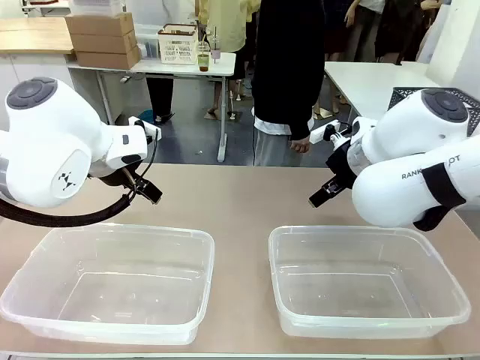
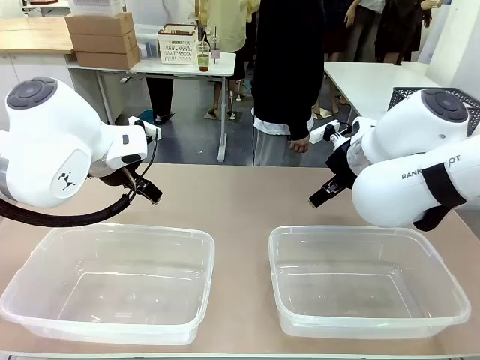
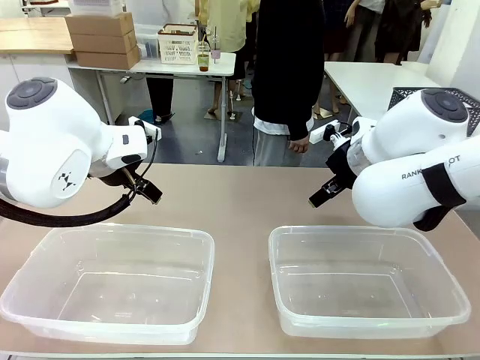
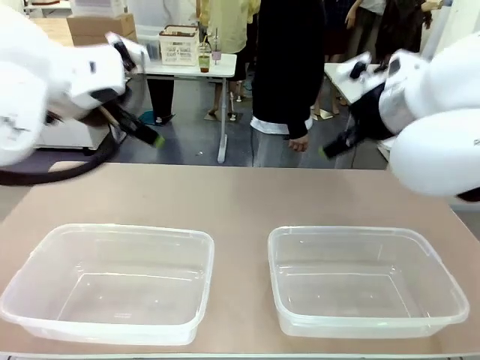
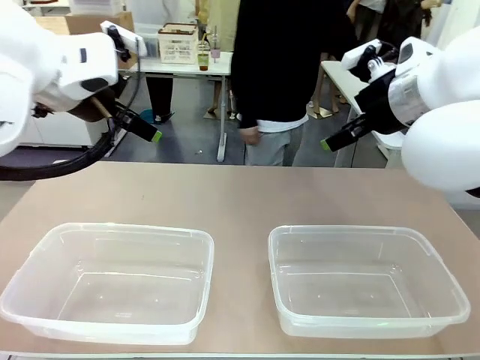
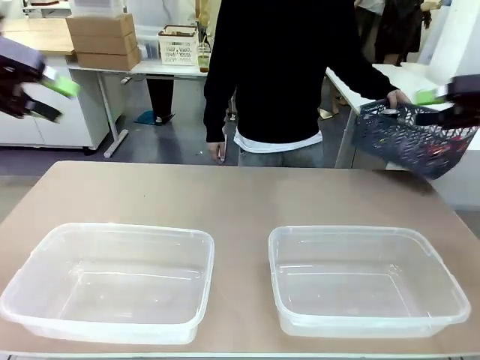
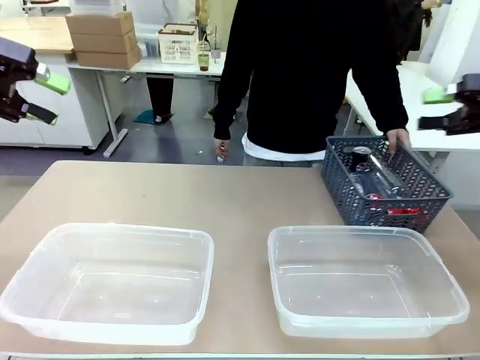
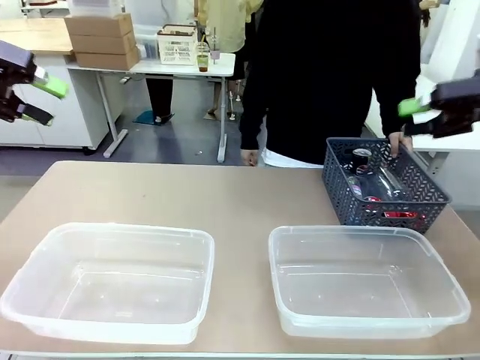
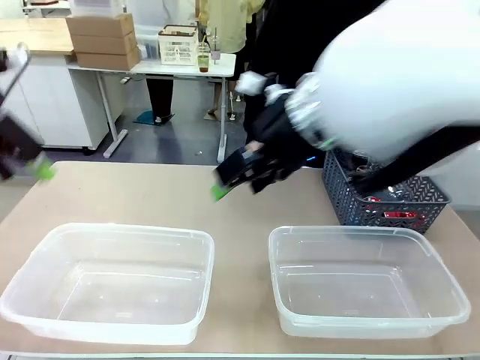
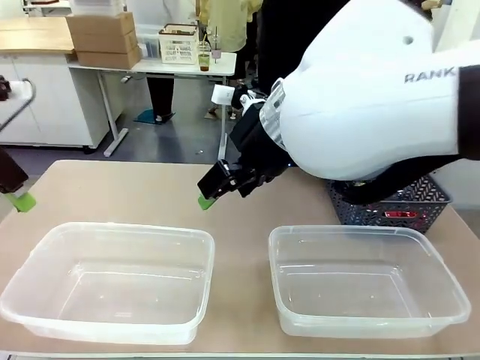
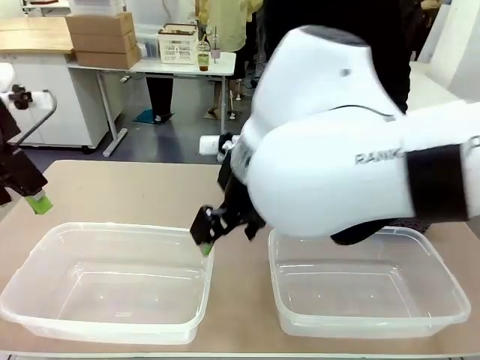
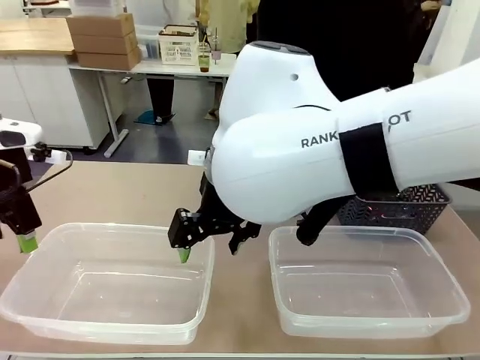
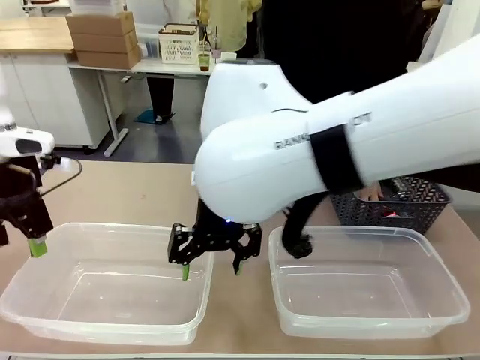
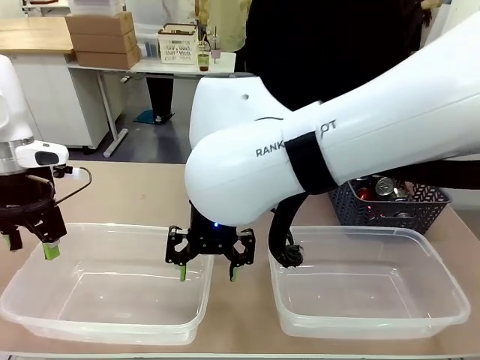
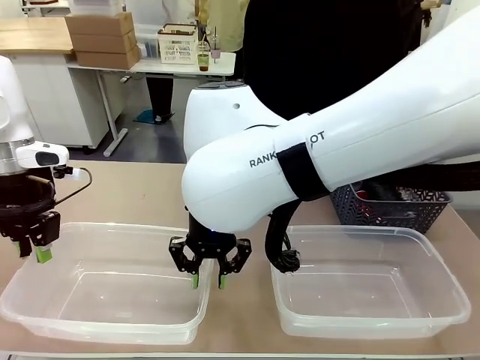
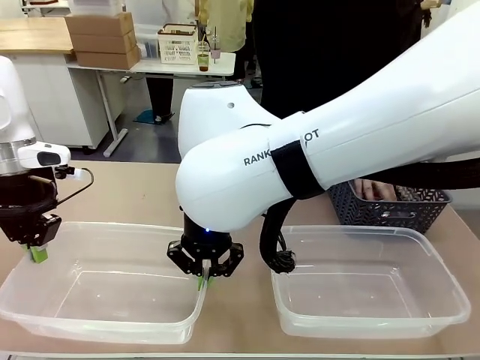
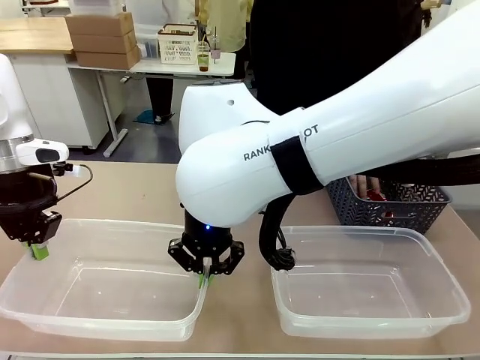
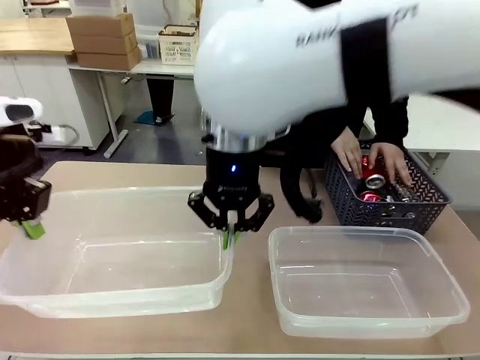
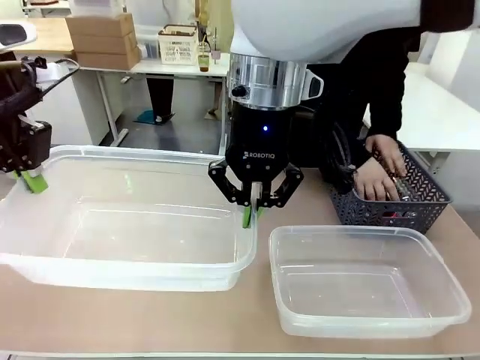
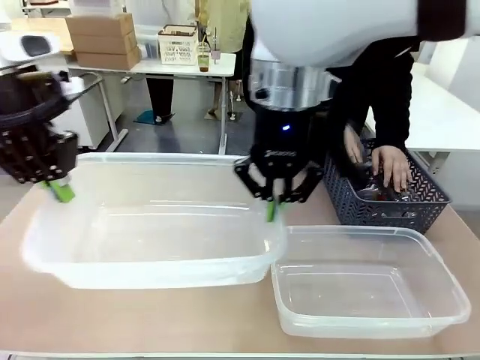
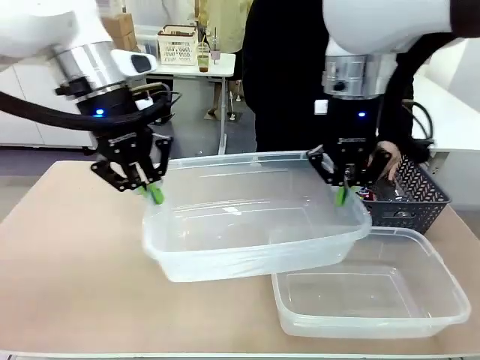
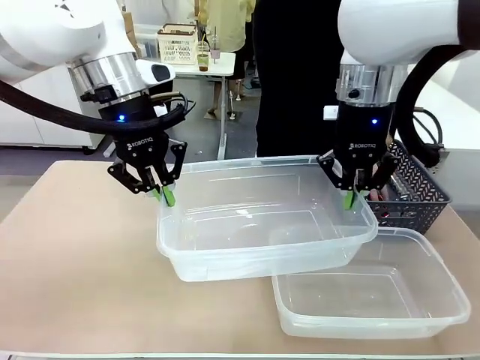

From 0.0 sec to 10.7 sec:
Robot: Pick up the Organizing box on the left side of the table and lift it.
Person: Pick up the storage basket and place it on the left side of the robot table. Pick up can-shaped waste one by one and place it into the organizing box lifted by the robot.

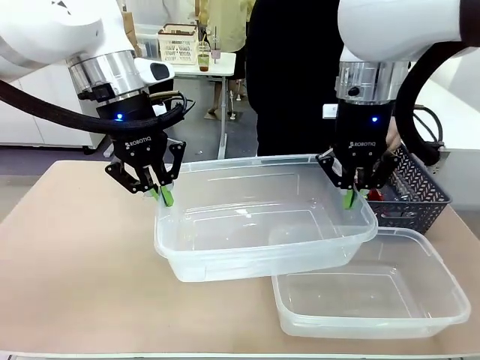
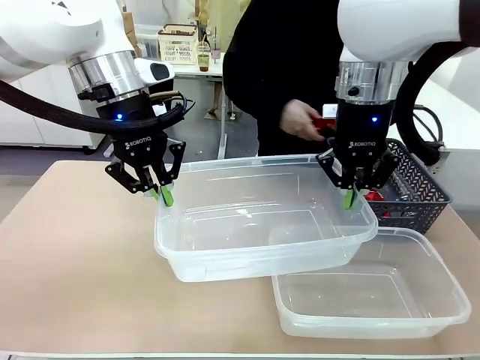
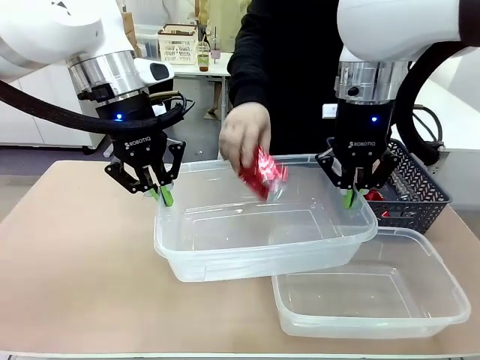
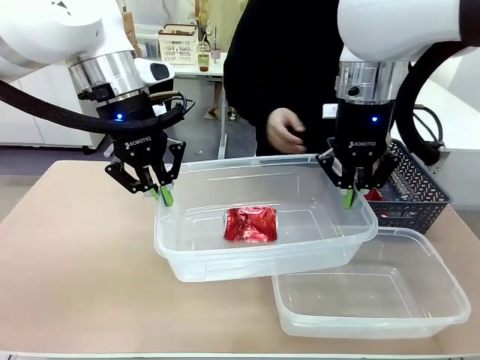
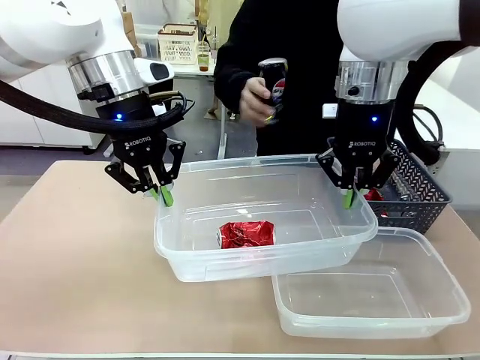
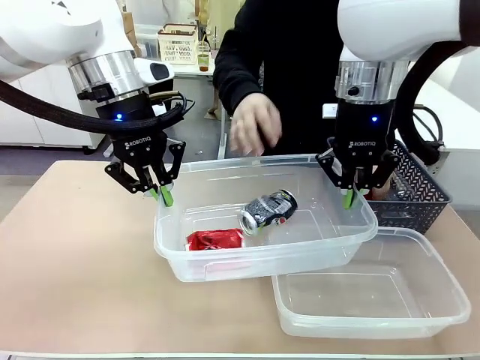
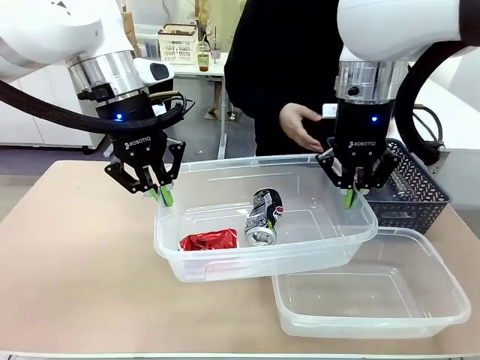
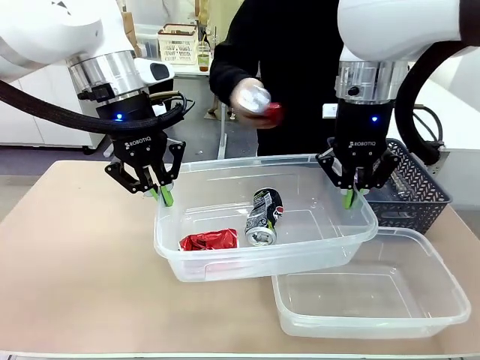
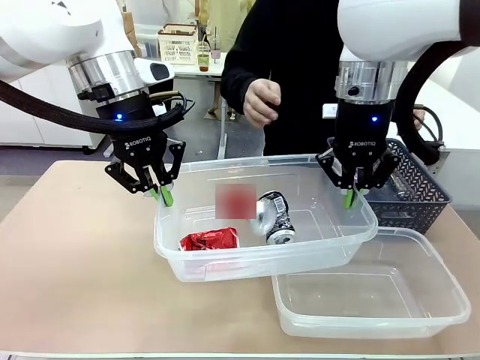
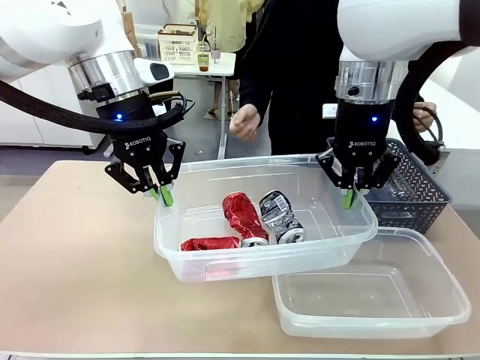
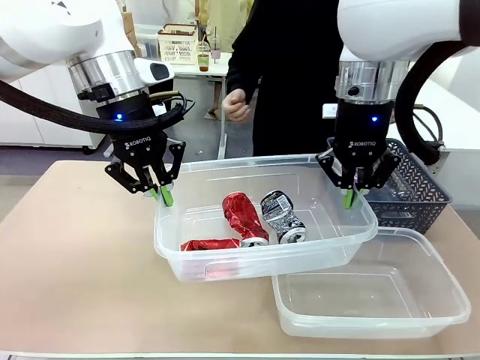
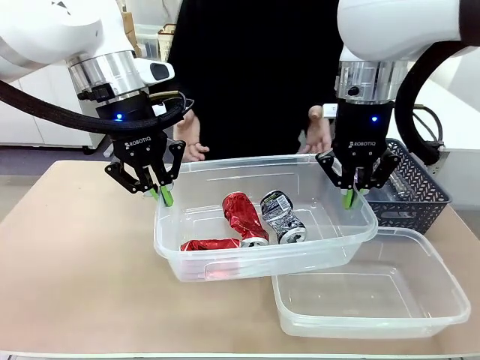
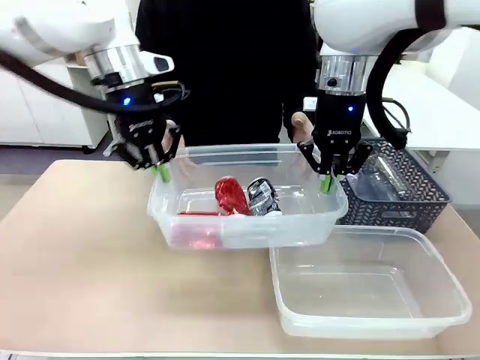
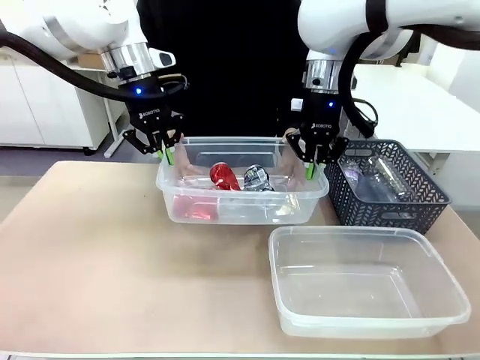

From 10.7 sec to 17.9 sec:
Robot: Offer the picked Organizing box to the human.

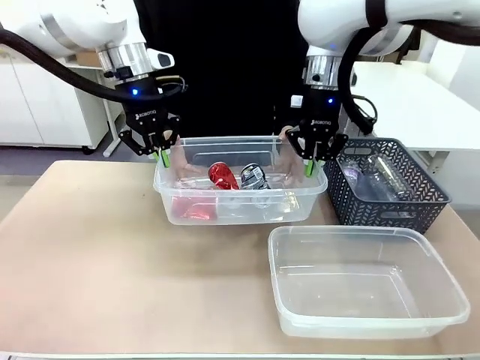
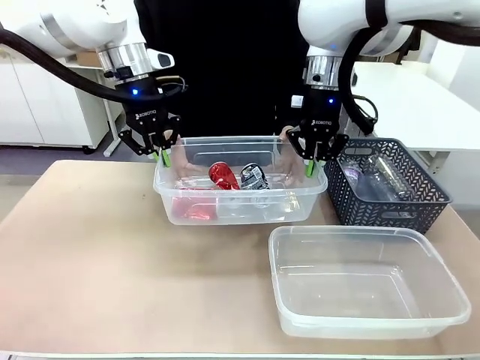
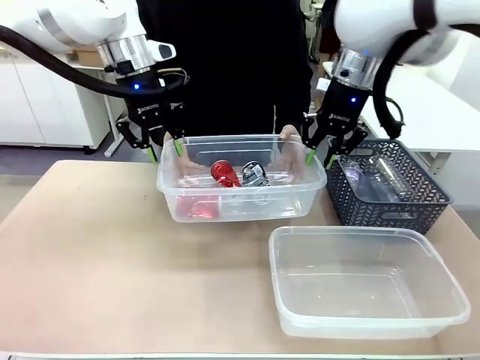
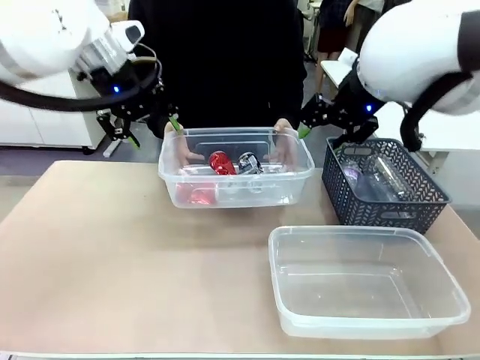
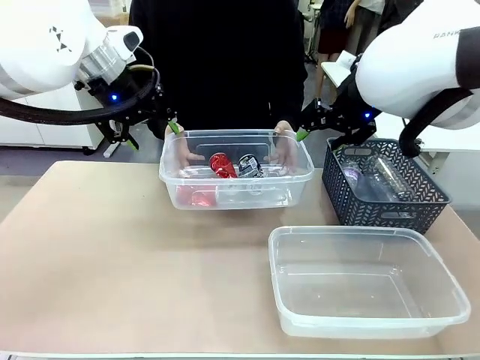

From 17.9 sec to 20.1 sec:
Robot: Release the Organizing box you were holding.

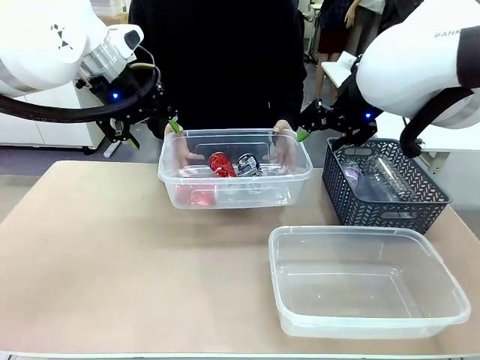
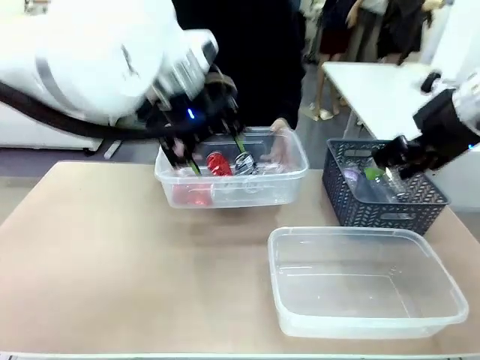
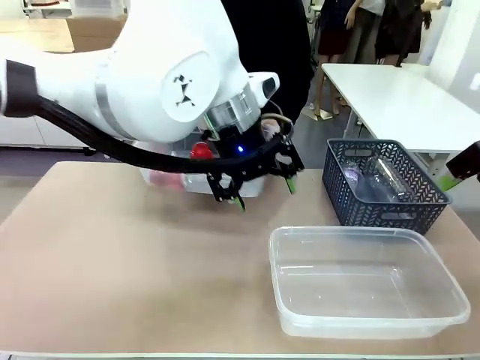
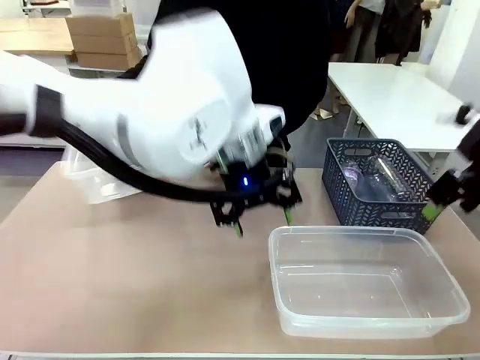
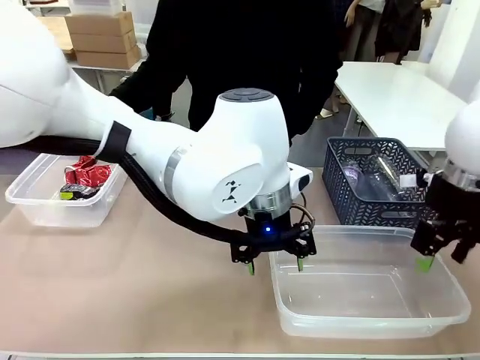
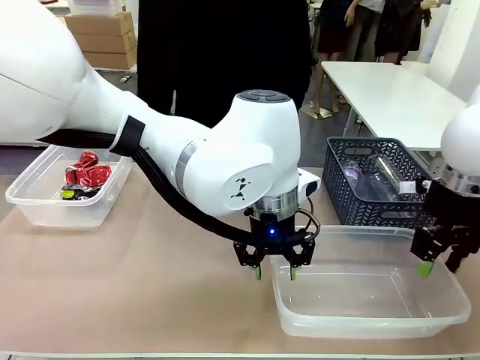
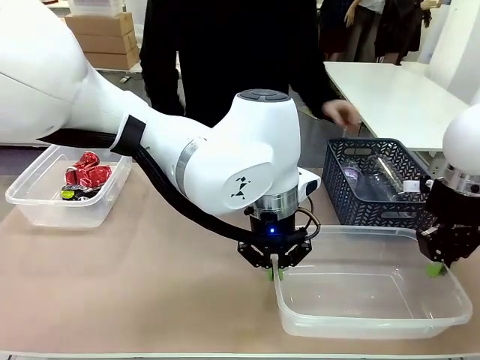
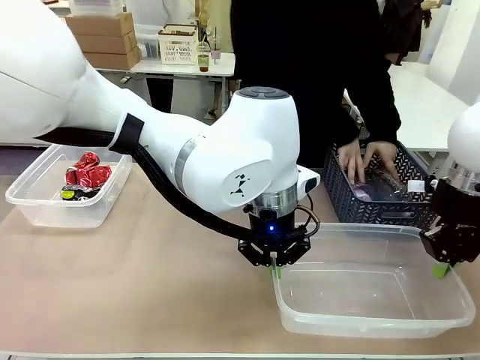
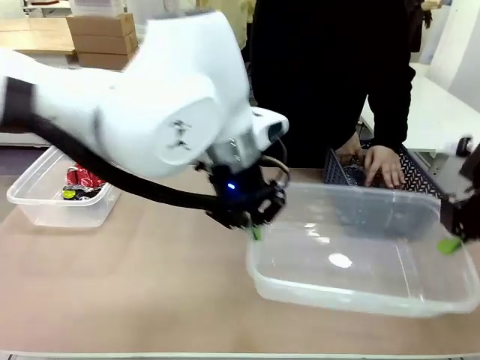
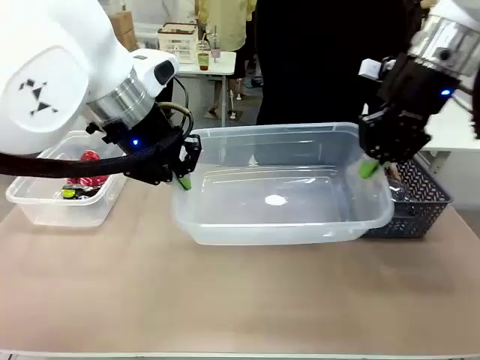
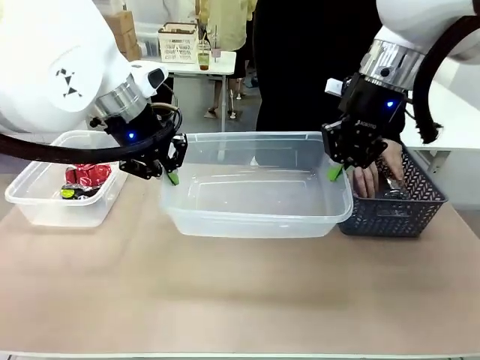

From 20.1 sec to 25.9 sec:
Robot: Pick up the Organizing box on the right side of the table and lift it.
Person: Place it at the edge of the bottom right area of the robot table.
